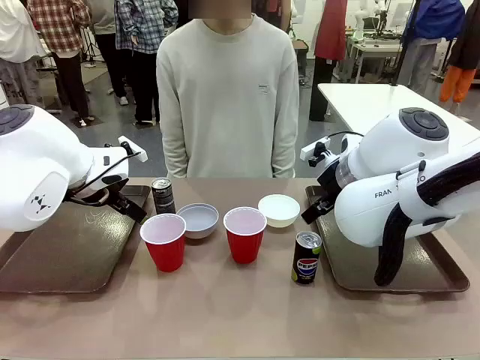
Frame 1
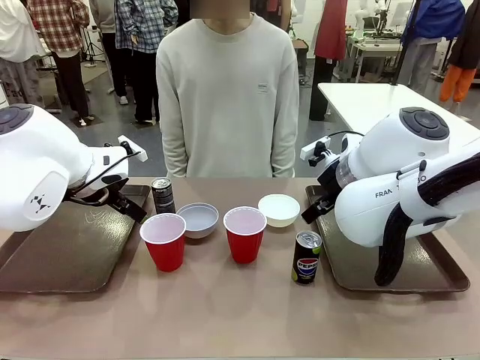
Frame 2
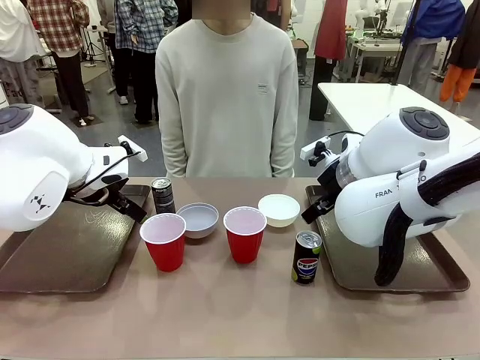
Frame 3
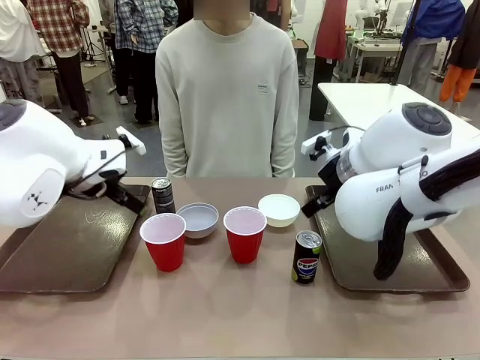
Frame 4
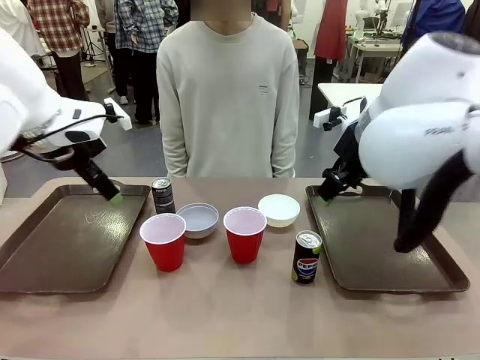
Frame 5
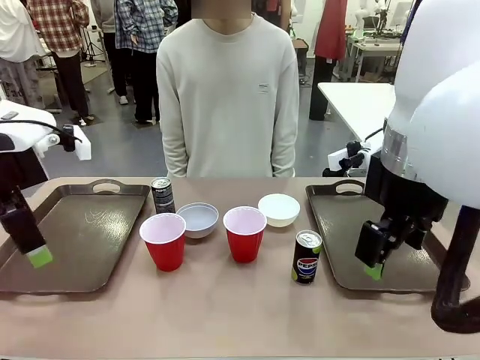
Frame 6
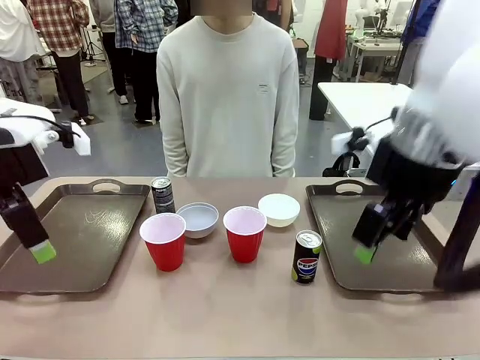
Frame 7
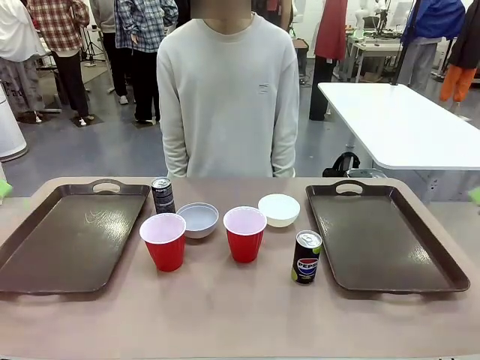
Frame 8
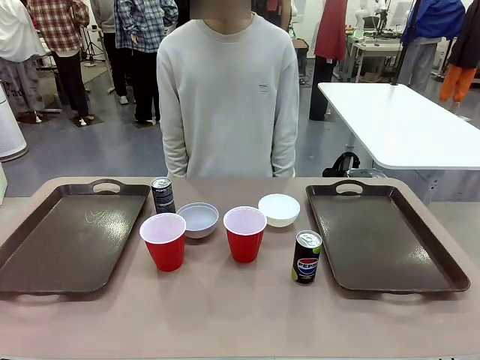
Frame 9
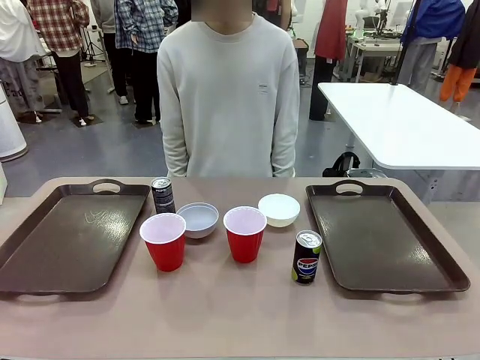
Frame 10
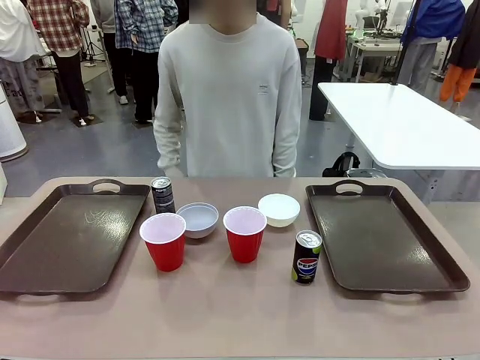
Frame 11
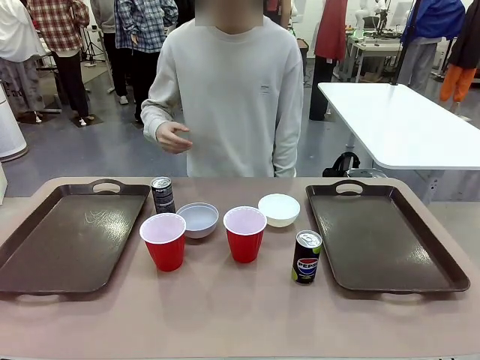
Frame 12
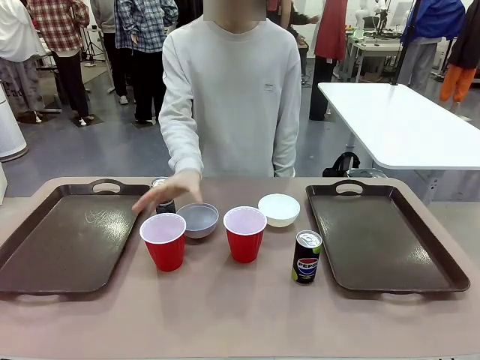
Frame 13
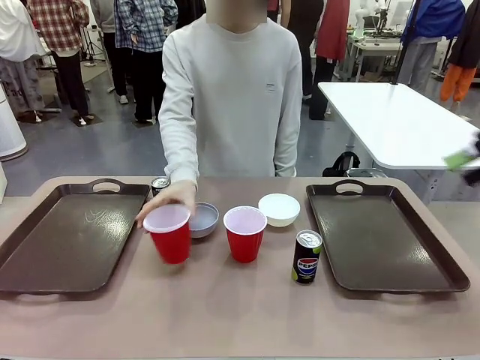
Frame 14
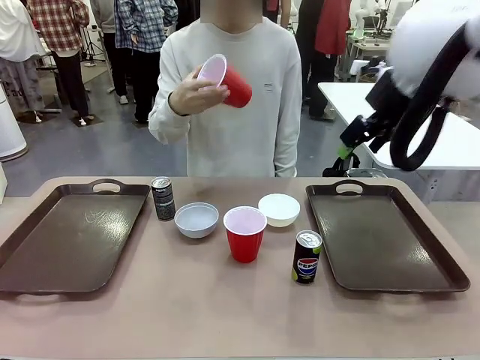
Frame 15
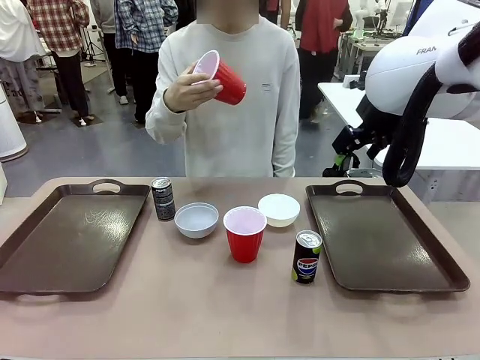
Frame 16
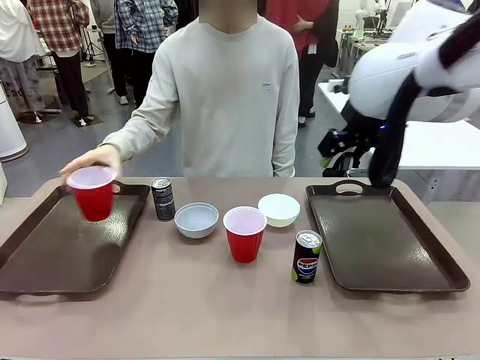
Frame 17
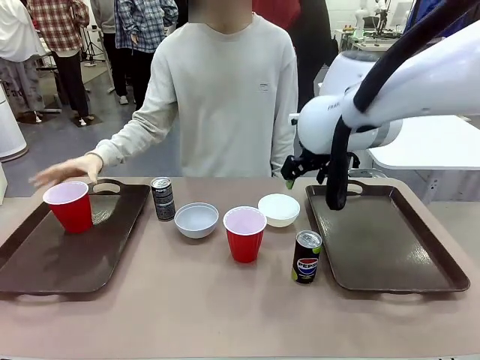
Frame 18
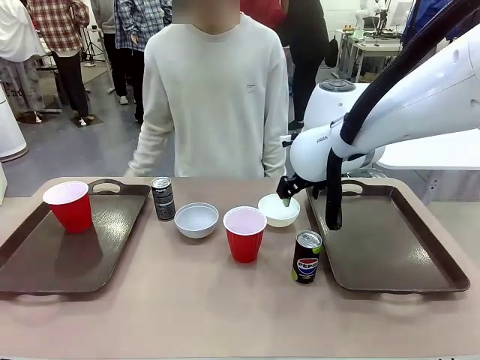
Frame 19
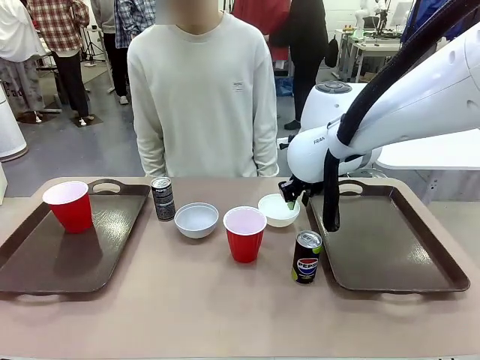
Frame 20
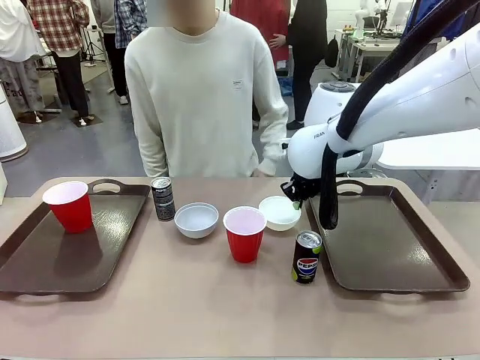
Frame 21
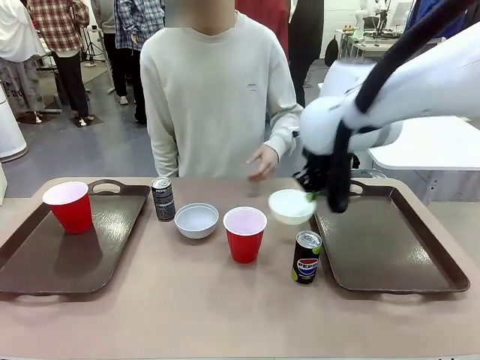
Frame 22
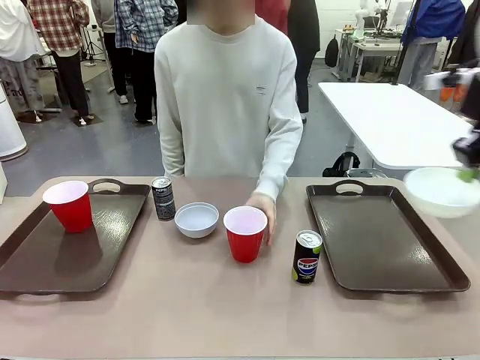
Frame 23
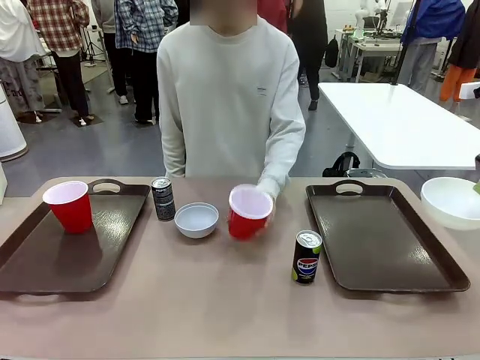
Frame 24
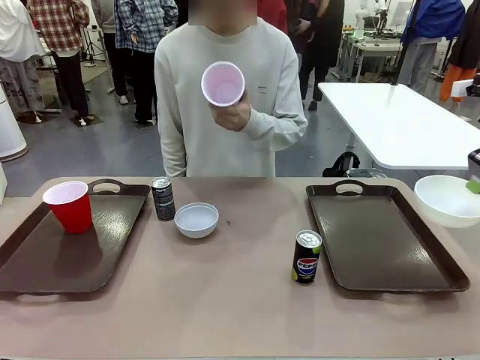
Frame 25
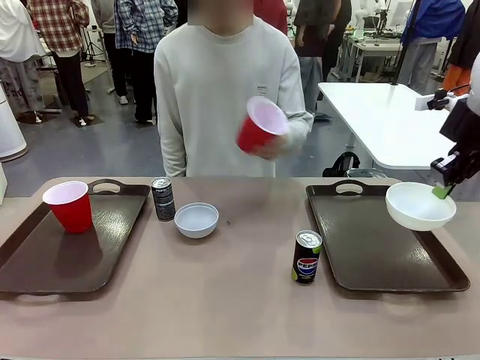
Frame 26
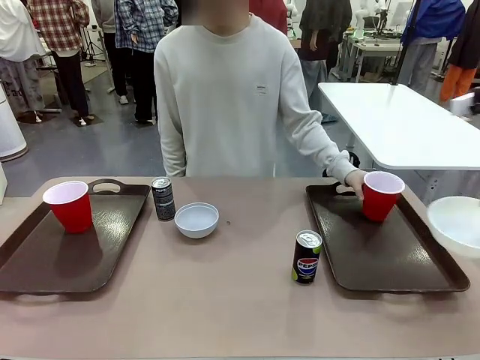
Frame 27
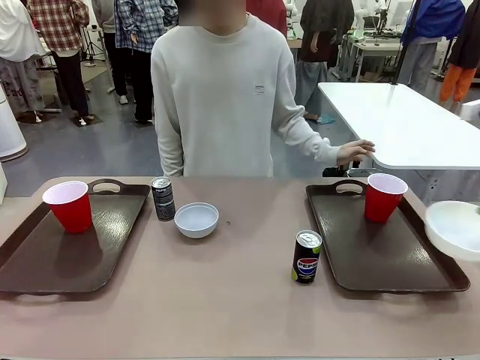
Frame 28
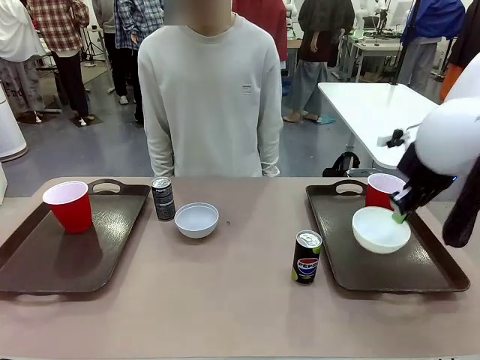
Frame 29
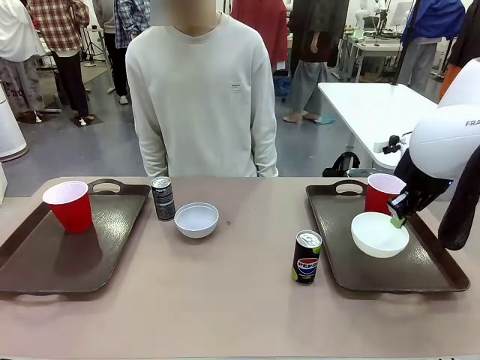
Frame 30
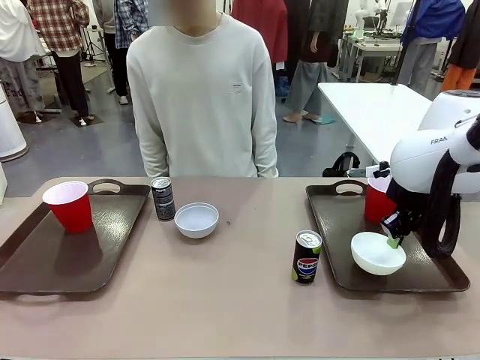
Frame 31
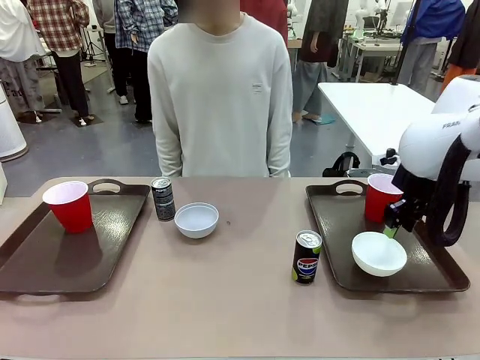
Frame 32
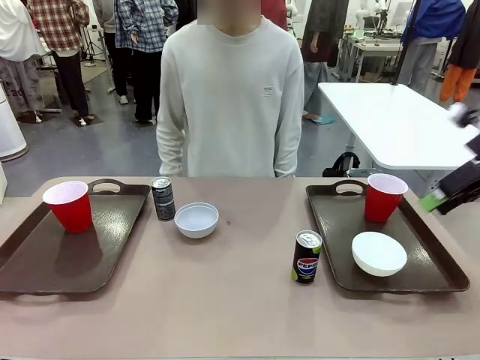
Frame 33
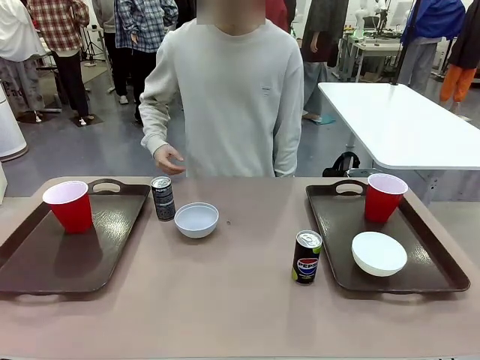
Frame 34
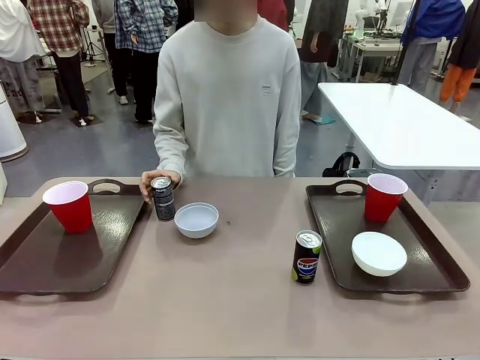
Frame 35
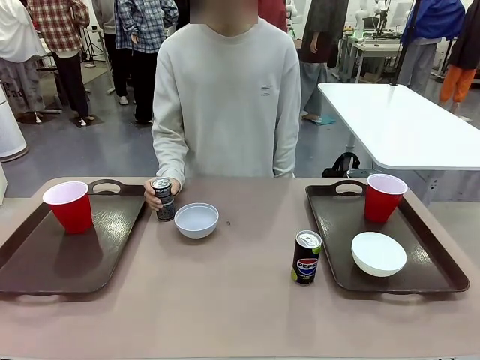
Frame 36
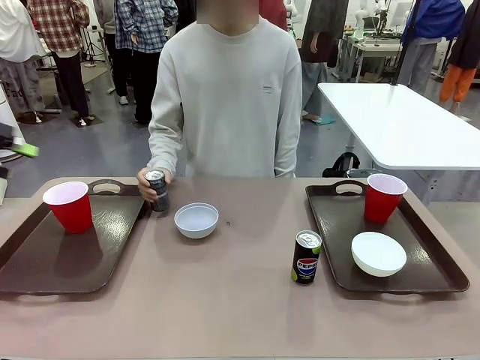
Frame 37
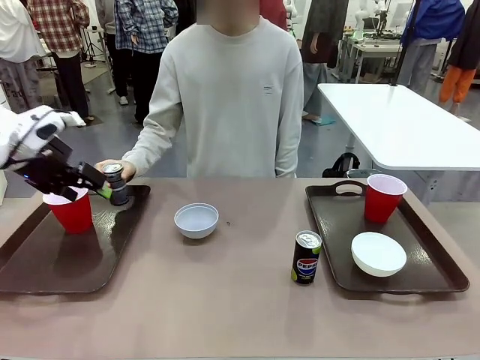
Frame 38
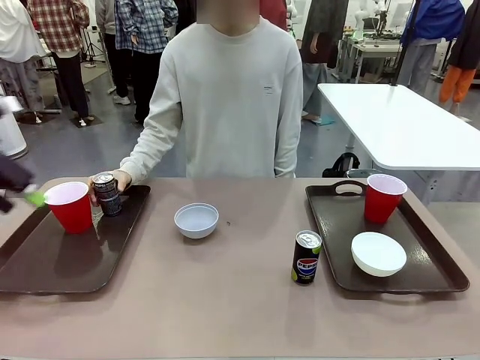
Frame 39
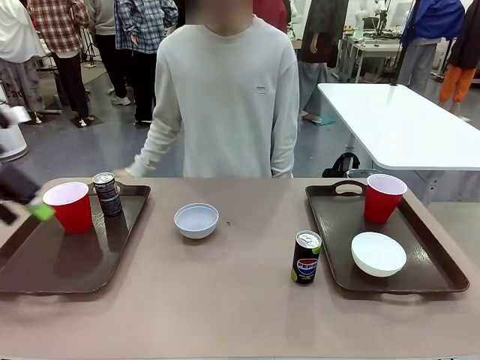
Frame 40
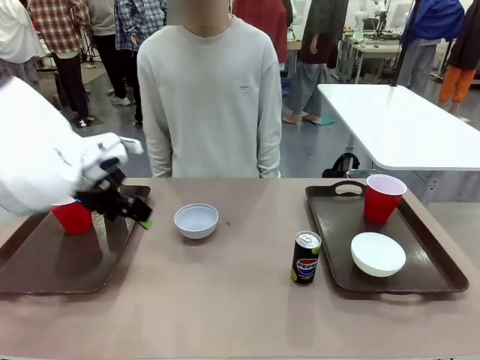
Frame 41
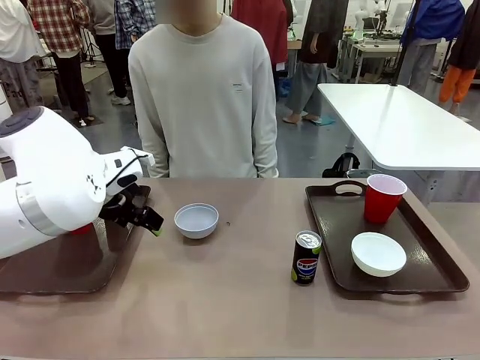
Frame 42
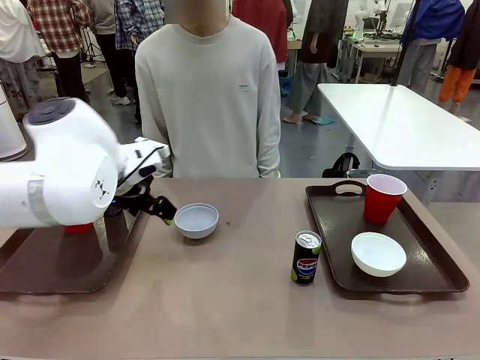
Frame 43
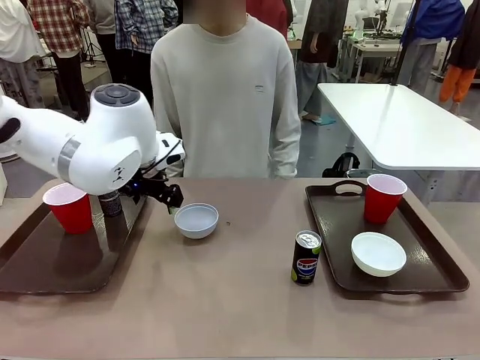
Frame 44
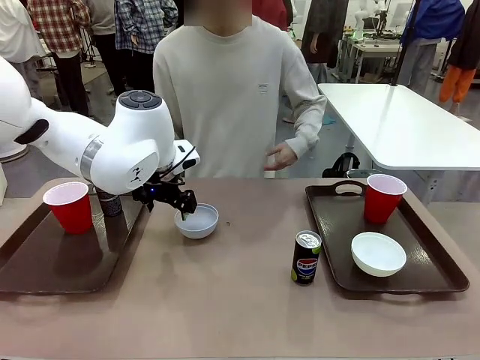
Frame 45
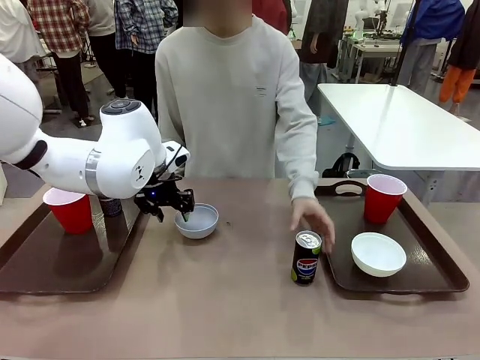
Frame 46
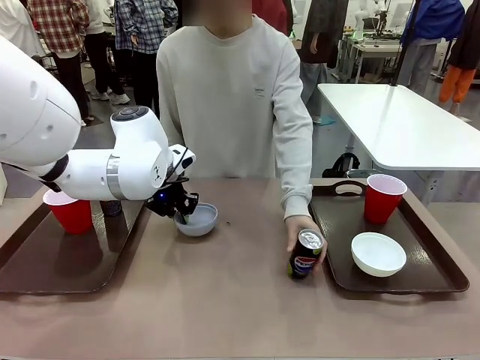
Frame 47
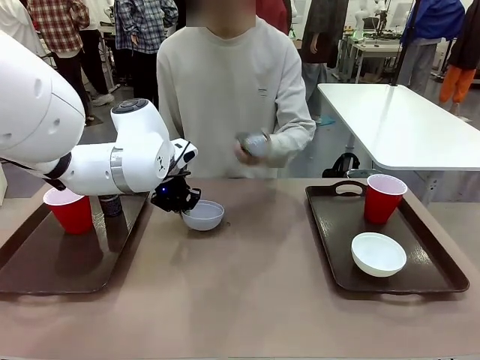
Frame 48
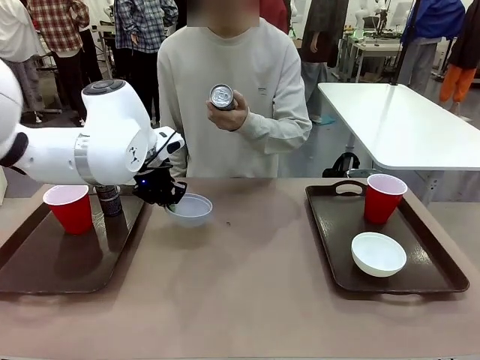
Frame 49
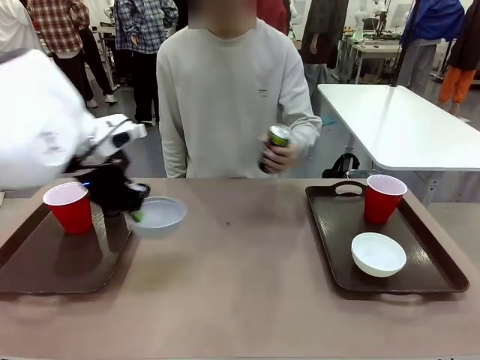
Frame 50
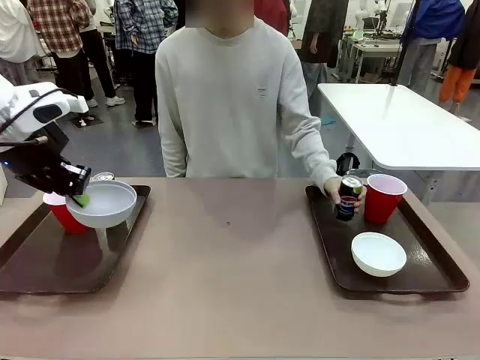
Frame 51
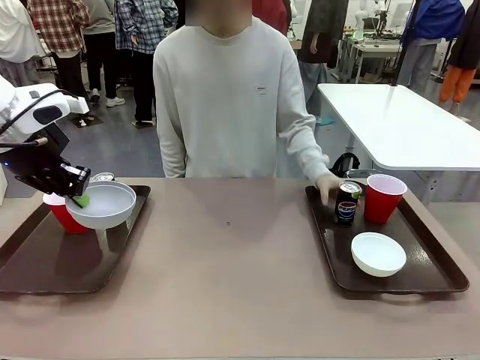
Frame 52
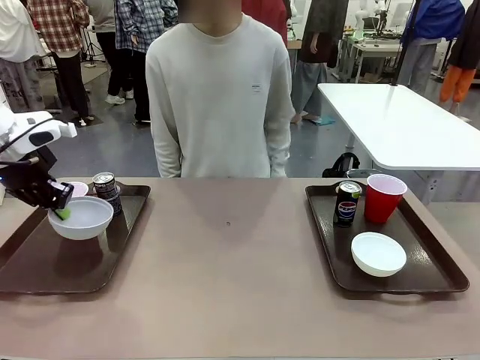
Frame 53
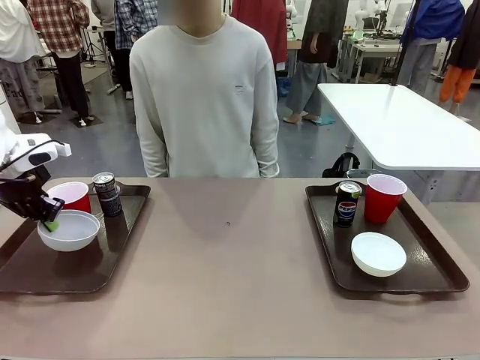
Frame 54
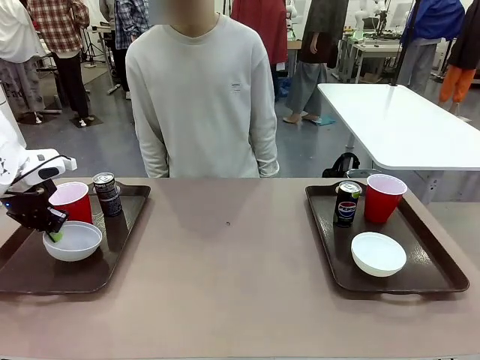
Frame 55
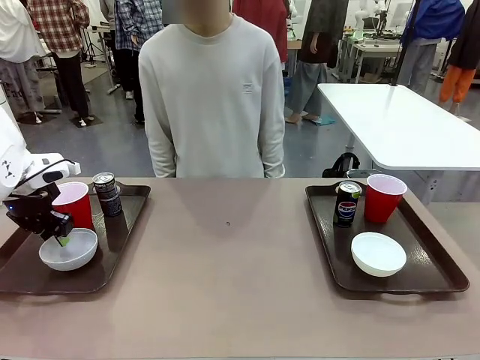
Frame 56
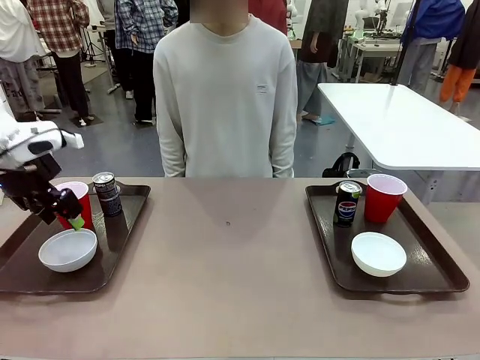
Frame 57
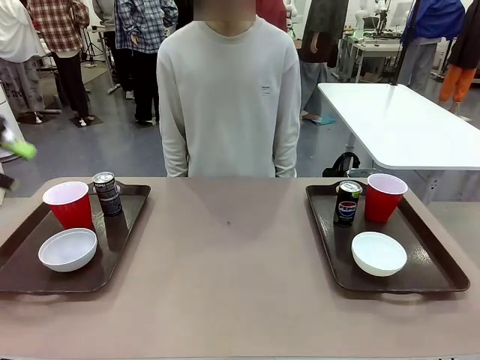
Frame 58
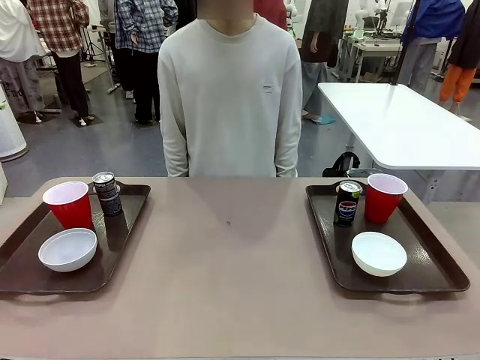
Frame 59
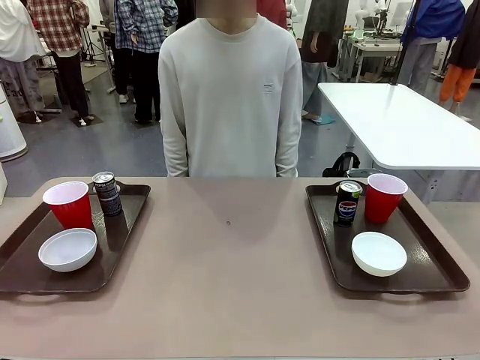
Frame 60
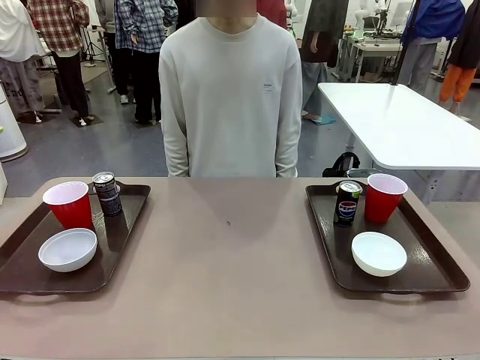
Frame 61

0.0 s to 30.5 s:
Task: Prepare tableware on both trays.
Robot: Pick up a Picnic Bowl from the table and place it on a Handle tray.
Person: Pick up a can or cup and place it on the tray. Pick up a can or cup and place it on the tray without a can or cup.
